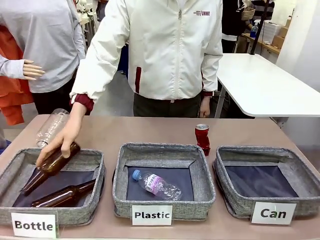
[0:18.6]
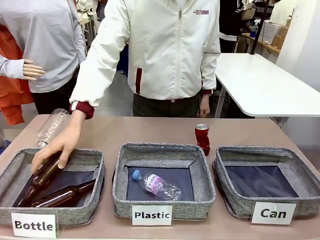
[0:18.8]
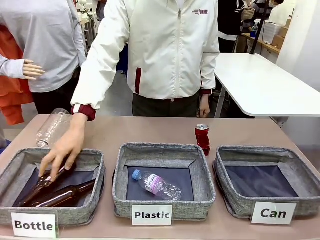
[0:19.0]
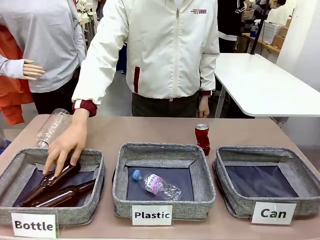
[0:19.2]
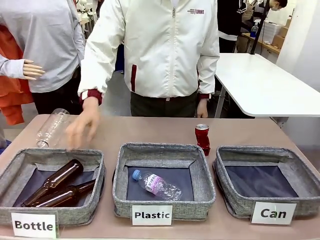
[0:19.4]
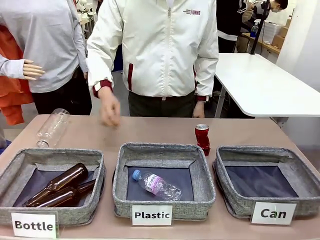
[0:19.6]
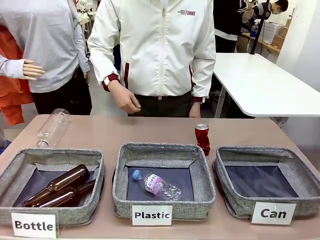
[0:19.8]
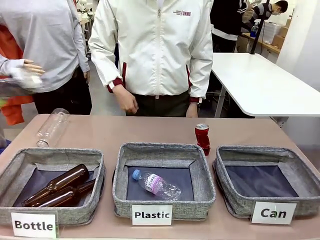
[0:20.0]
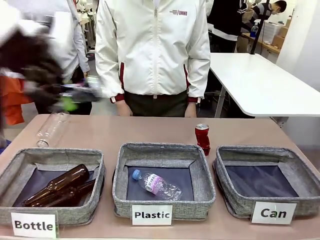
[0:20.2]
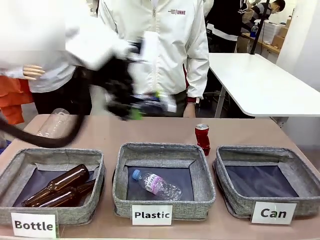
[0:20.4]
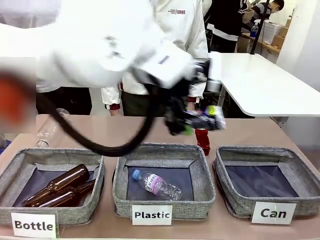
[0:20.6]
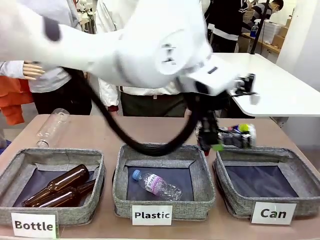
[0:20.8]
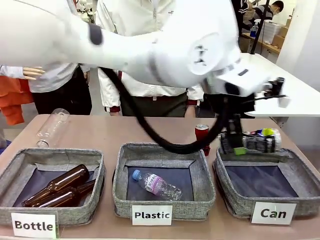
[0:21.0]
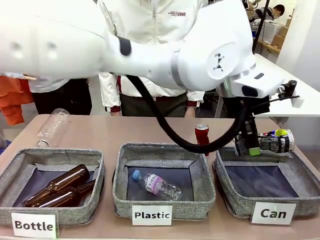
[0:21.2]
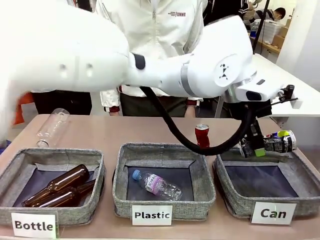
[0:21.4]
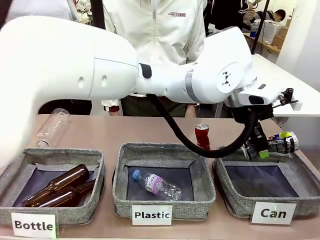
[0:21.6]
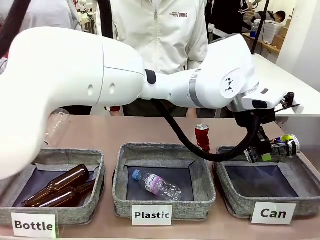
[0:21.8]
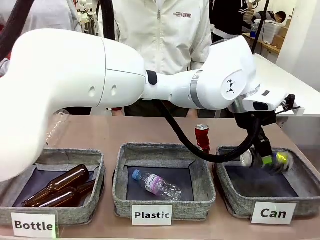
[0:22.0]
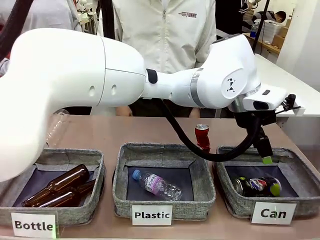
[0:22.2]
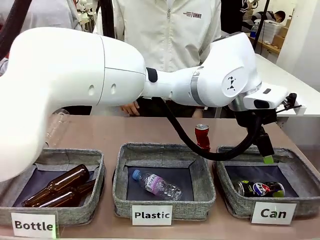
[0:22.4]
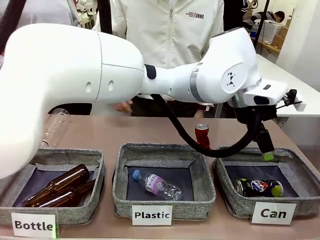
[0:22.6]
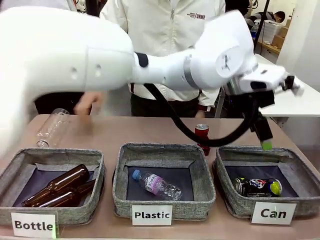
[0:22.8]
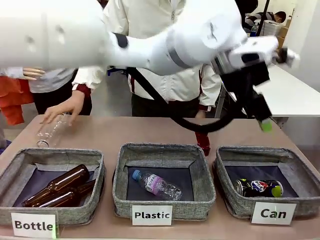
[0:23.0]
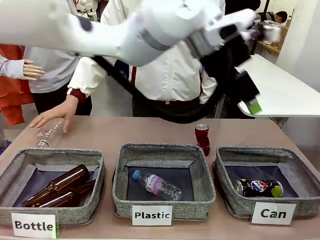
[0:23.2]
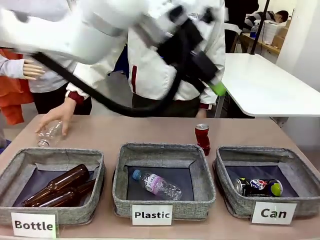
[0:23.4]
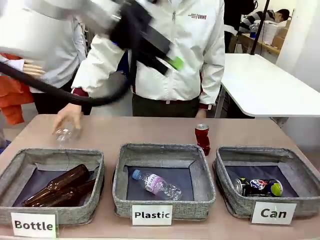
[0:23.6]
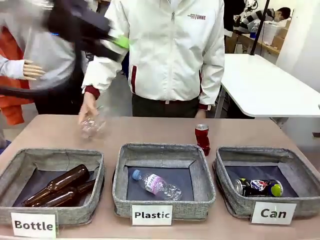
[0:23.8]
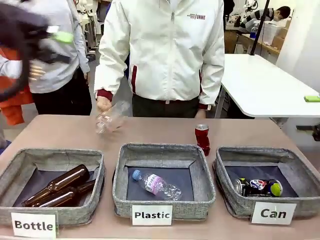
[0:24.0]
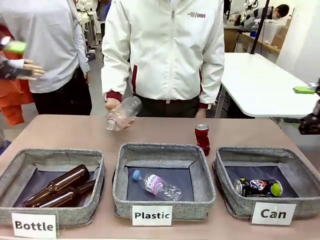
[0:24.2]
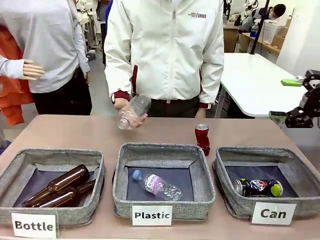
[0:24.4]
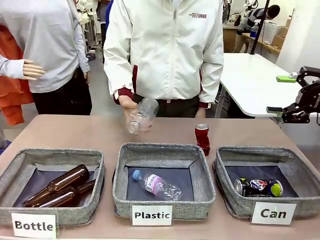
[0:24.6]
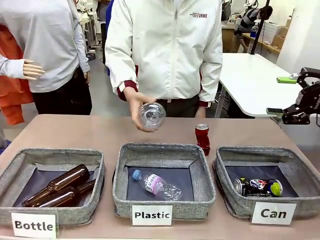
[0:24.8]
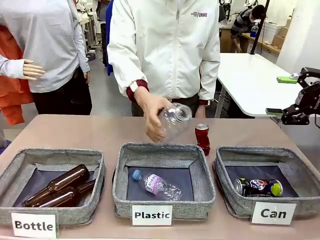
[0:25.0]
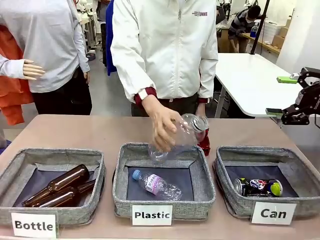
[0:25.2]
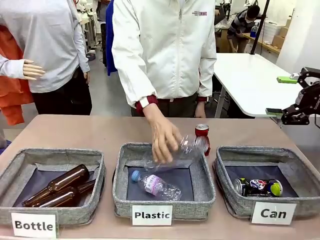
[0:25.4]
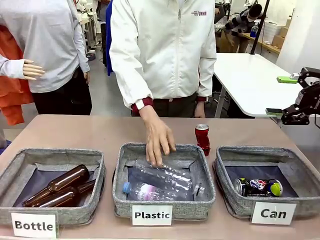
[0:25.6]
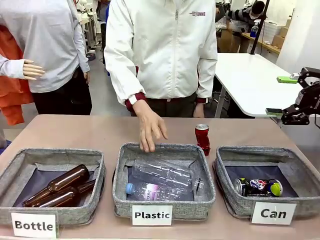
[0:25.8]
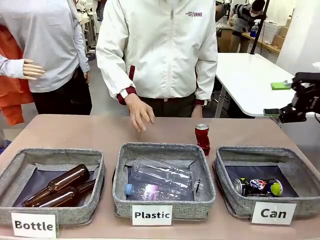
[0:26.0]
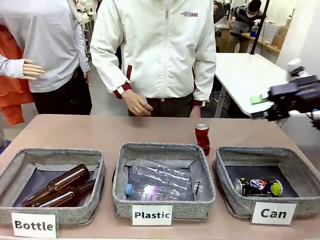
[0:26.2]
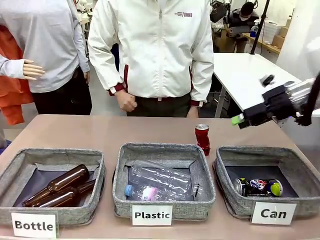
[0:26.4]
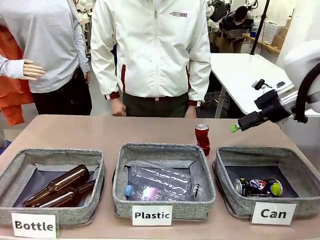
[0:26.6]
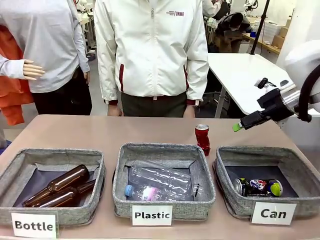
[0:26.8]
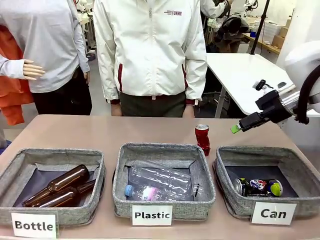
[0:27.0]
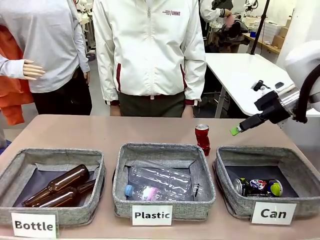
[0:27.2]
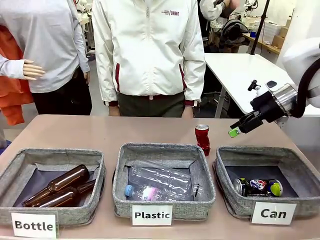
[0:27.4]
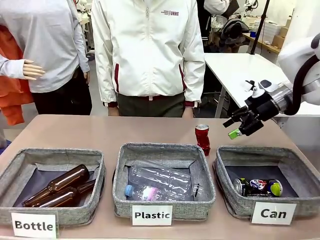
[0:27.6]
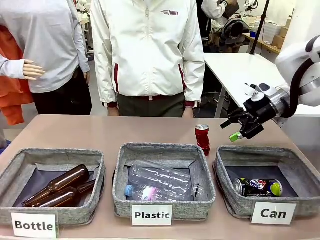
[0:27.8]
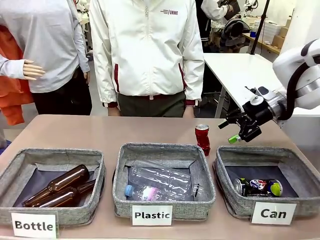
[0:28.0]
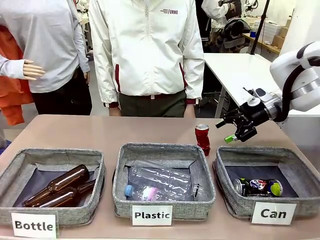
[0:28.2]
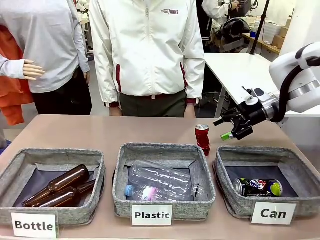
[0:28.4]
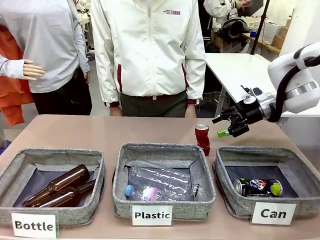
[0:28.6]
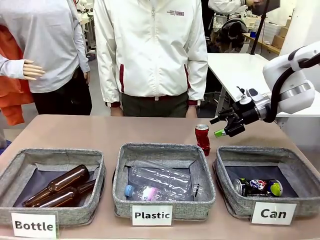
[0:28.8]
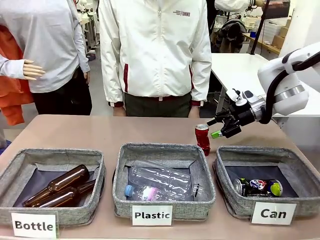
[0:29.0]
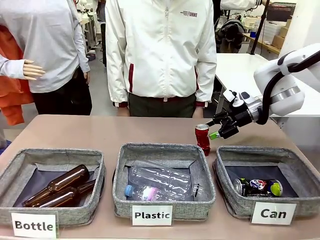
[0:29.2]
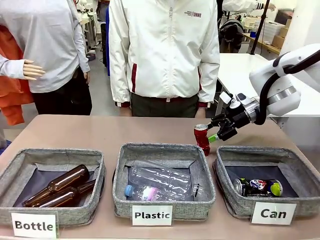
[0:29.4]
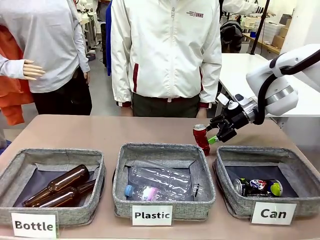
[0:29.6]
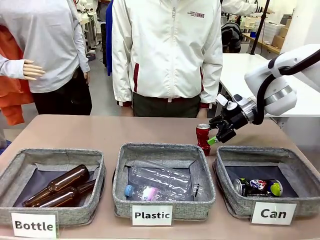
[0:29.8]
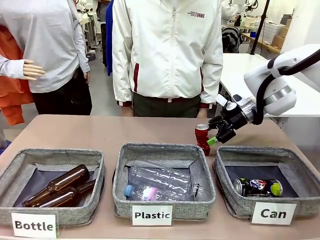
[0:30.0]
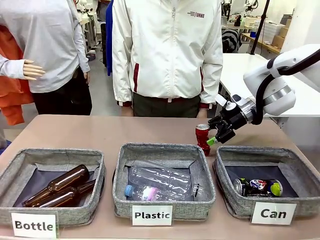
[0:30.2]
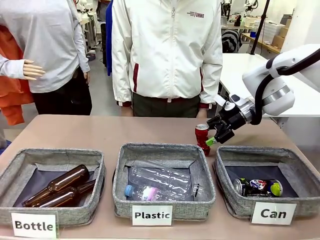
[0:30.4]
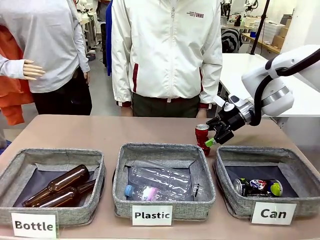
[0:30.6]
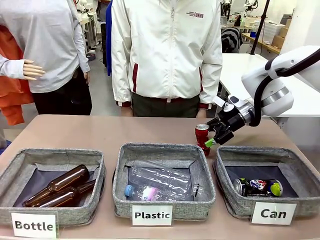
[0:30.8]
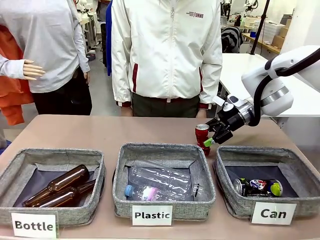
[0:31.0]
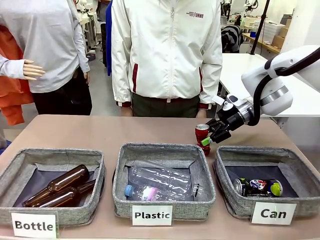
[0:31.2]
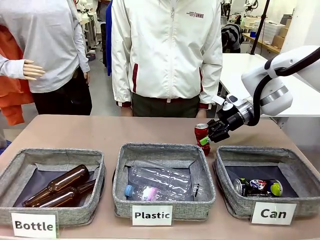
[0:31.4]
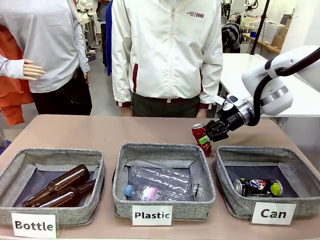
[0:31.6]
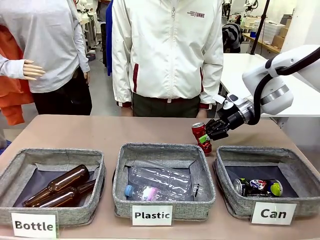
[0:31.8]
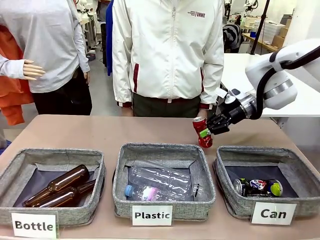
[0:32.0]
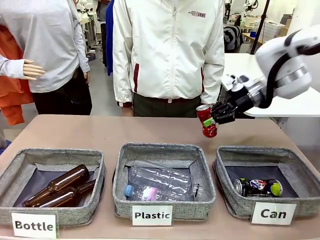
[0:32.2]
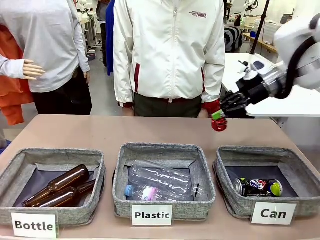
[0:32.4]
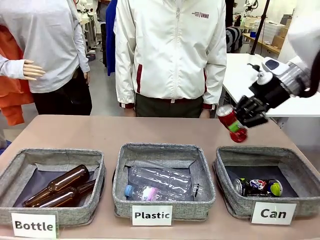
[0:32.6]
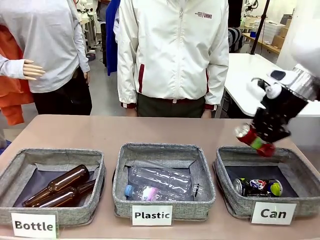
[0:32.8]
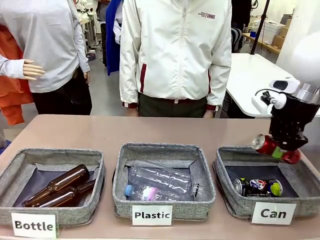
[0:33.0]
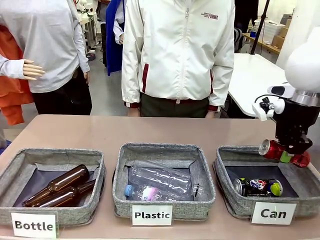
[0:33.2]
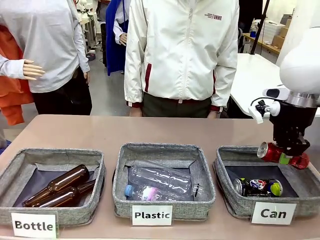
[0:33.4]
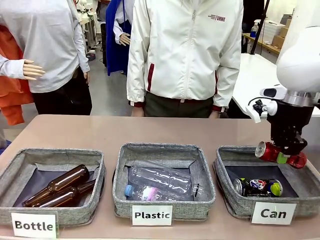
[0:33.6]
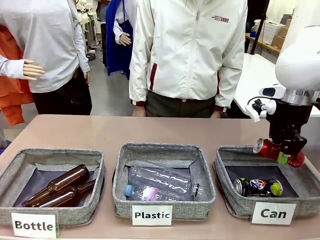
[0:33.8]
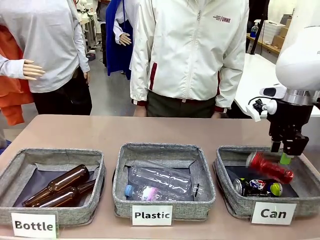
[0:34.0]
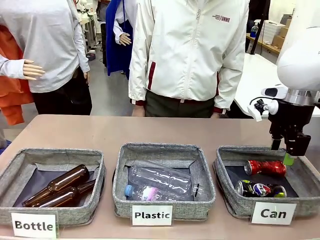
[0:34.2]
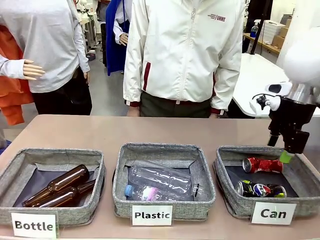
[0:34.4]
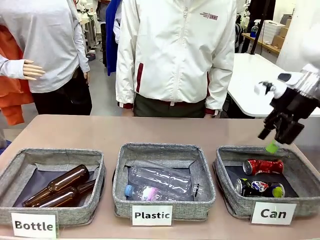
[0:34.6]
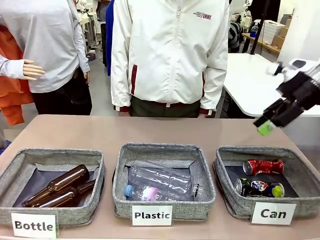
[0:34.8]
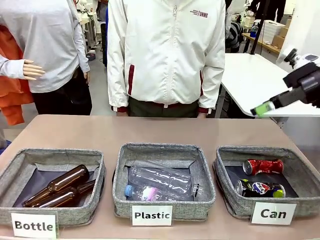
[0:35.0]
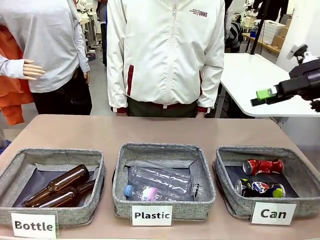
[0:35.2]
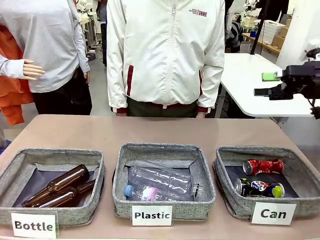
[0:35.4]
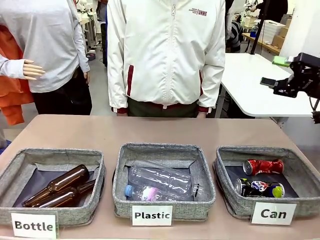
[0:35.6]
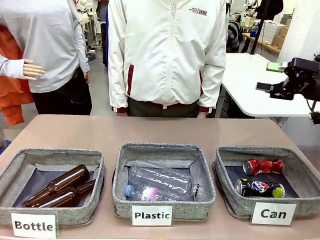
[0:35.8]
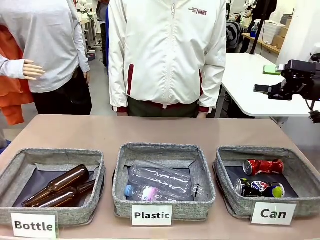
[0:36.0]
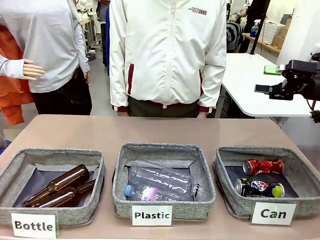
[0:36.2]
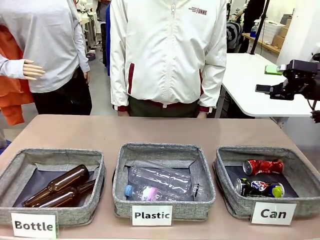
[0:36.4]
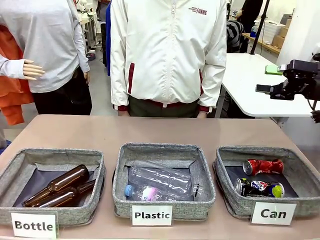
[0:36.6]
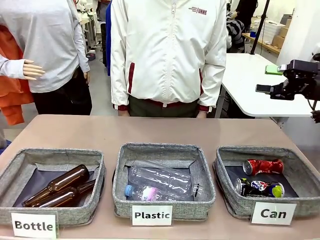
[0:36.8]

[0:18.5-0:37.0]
Task: Sort the can waste into the basket.
Robot: Pick up the can waste from the table and place it in the right Fabric basket.
